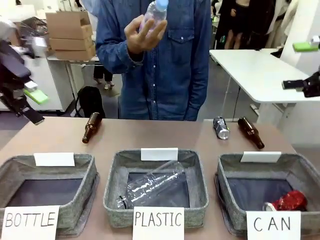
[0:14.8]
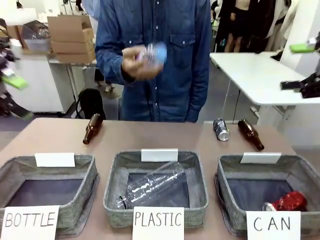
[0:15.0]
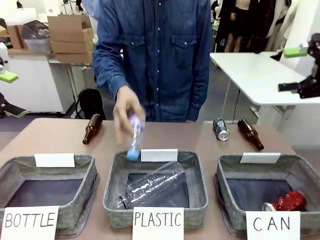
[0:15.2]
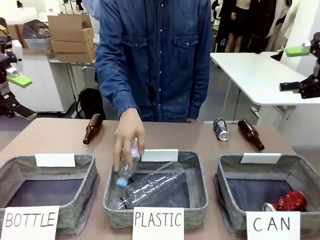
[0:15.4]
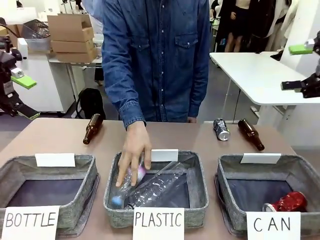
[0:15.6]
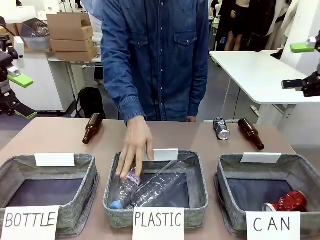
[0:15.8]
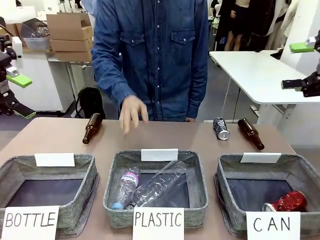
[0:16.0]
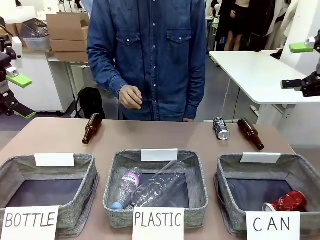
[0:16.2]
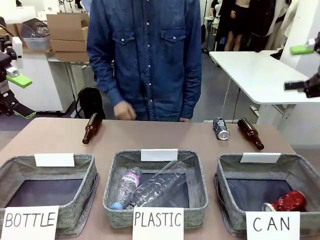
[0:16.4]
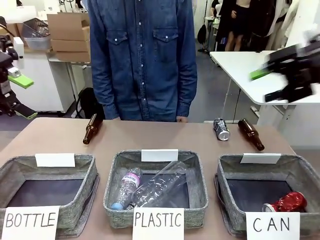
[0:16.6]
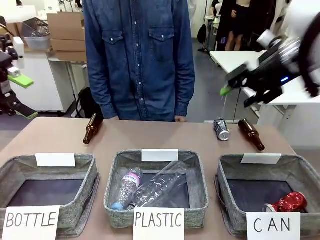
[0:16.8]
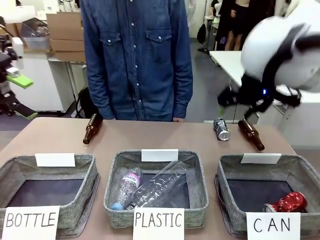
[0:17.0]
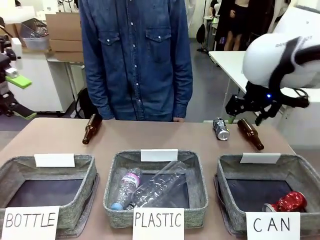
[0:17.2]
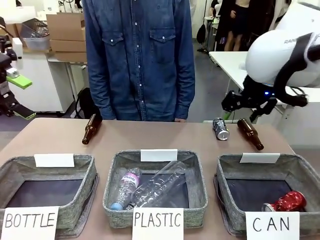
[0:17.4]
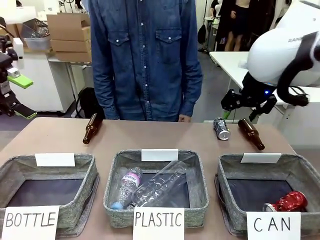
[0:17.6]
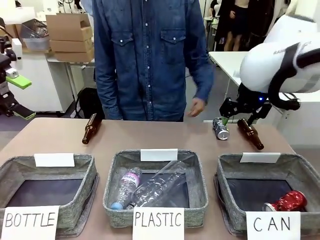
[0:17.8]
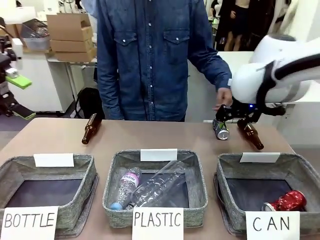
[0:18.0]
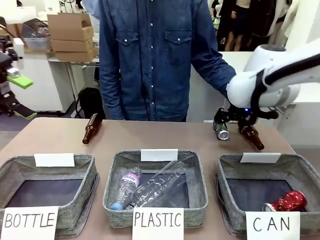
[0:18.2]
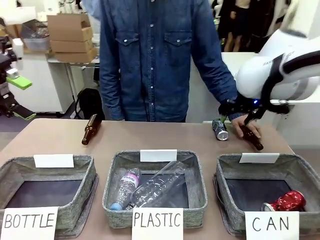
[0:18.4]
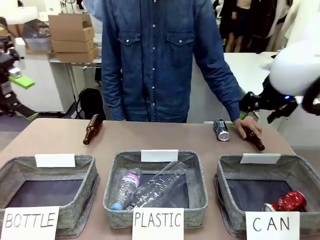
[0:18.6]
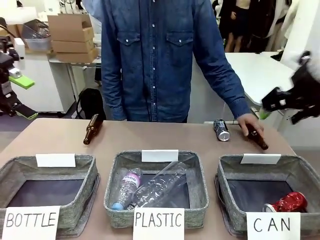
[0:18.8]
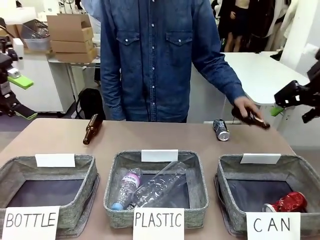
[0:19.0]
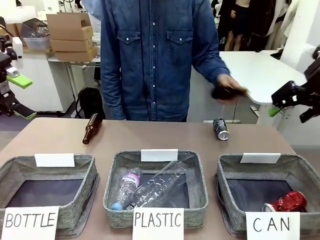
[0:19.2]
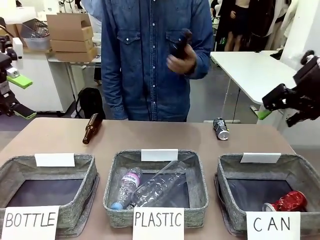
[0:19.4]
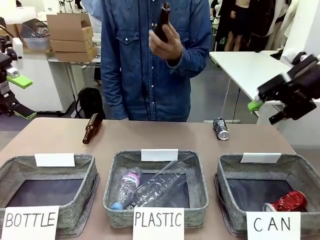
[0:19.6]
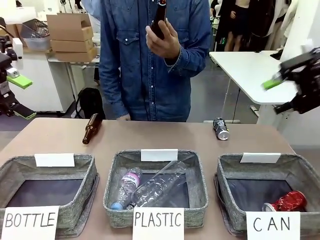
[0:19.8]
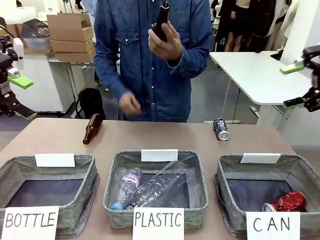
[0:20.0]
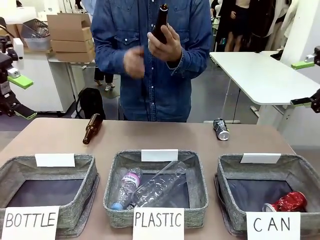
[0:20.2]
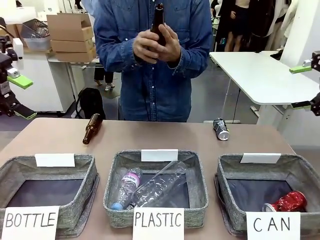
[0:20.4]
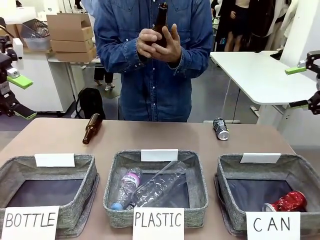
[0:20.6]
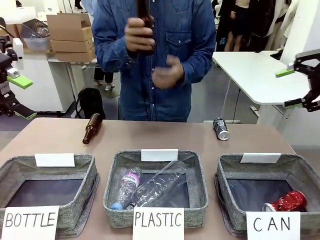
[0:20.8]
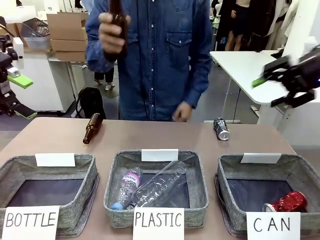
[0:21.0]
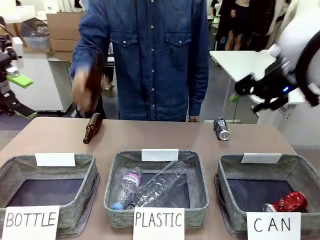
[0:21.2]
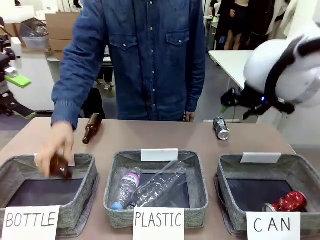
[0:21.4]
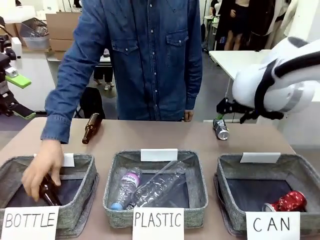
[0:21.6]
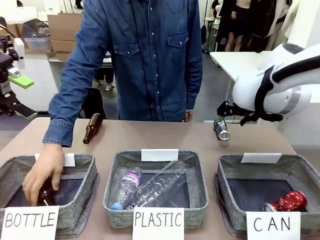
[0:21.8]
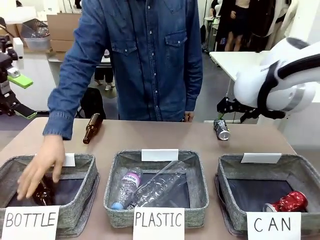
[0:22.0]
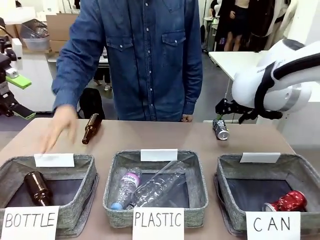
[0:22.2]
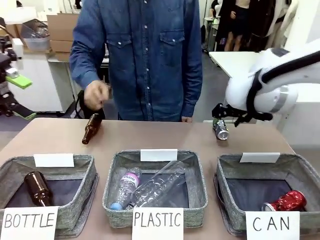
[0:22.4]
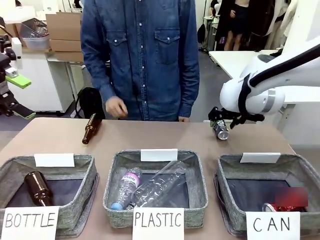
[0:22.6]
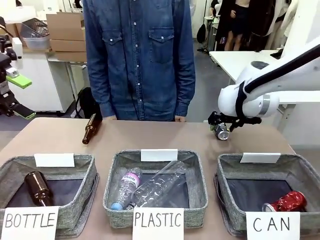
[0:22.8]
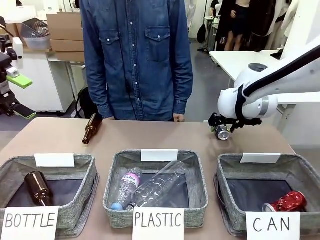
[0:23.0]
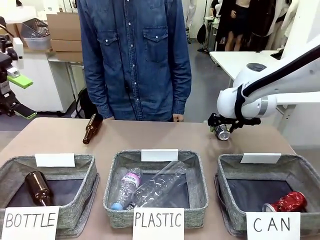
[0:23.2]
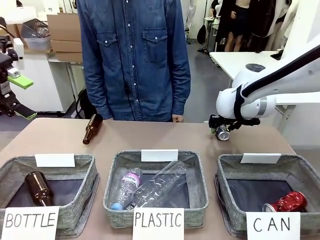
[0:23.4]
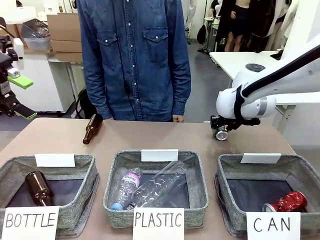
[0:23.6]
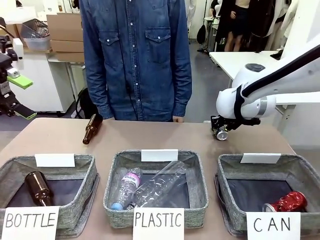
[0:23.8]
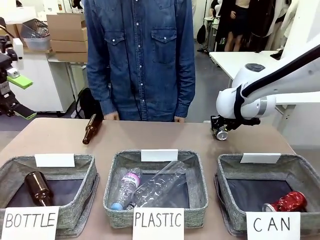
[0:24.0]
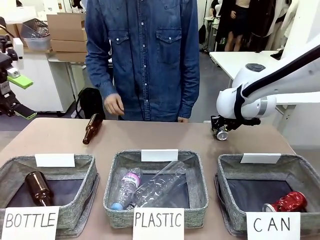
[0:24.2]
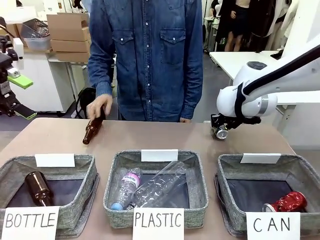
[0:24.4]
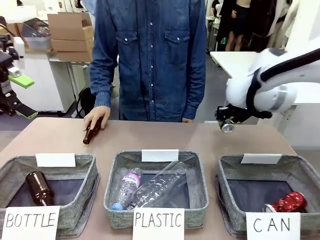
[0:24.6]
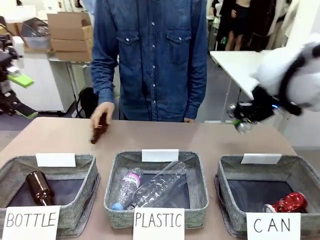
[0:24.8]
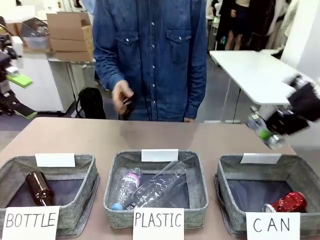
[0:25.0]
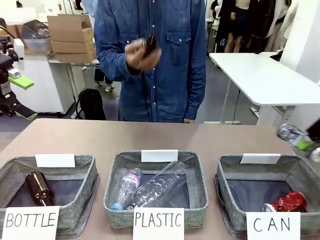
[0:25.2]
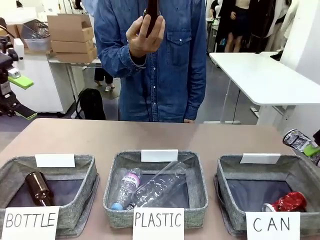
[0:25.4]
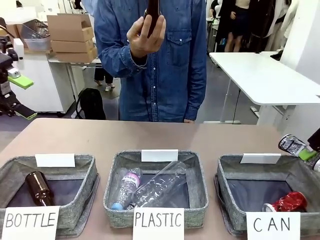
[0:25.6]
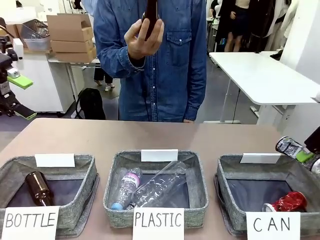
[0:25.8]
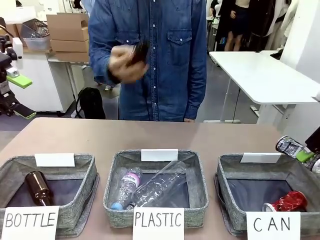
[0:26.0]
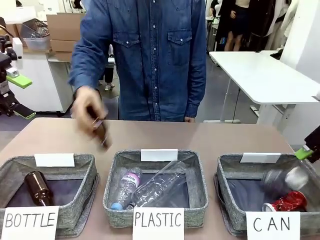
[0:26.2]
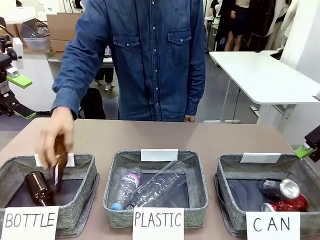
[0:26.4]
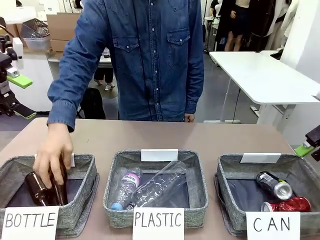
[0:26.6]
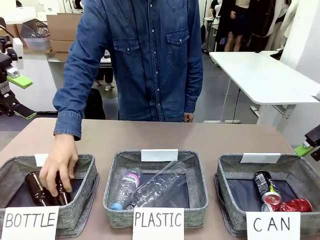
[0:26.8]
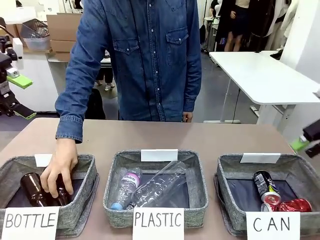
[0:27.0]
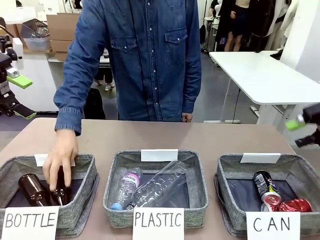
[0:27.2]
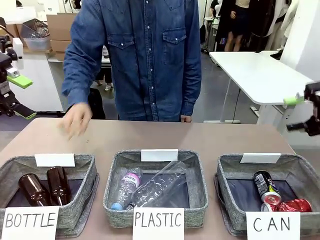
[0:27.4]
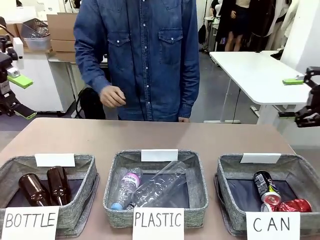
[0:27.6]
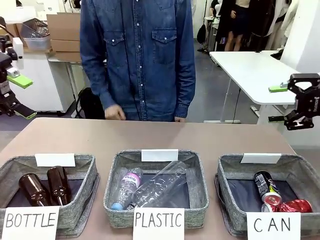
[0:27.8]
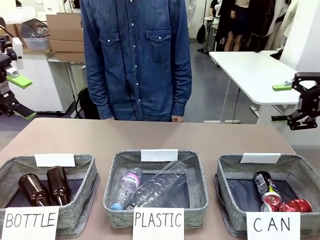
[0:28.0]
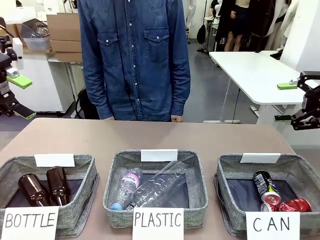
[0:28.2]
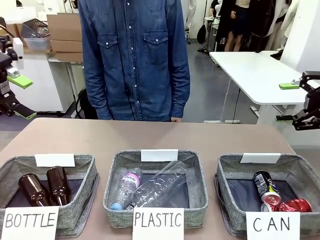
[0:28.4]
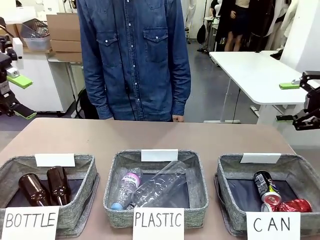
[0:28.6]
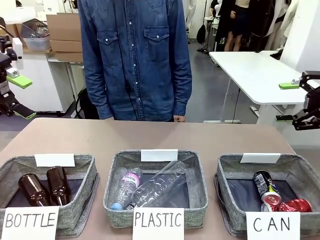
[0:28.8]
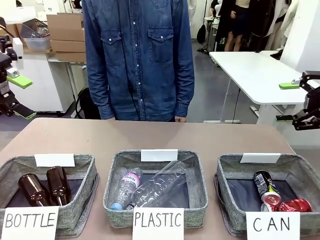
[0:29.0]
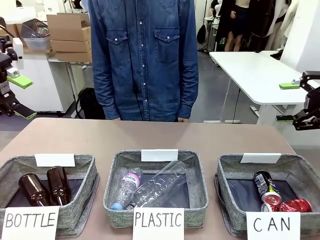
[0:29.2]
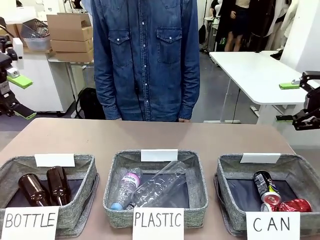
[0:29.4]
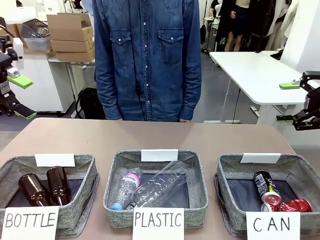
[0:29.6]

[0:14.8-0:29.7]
Task: Sort the can waste into the basket.
Robot: Pick up the can waste from the table and place it in the right Fabric basket.
Person: The human picks up one piece of trash that is not a can and places the trash into the appropriate organizing basket.
